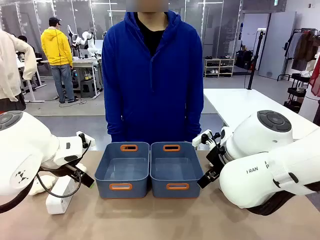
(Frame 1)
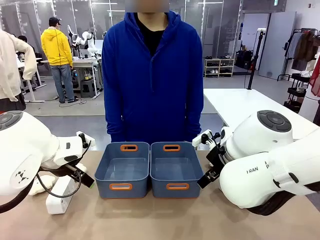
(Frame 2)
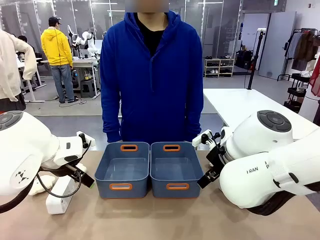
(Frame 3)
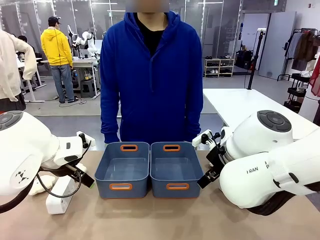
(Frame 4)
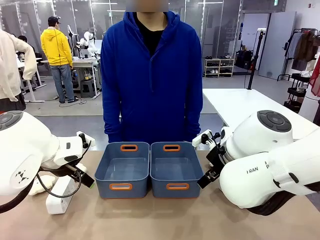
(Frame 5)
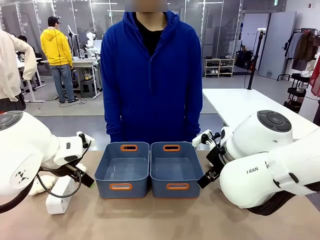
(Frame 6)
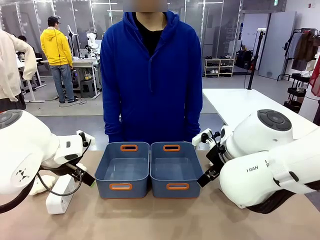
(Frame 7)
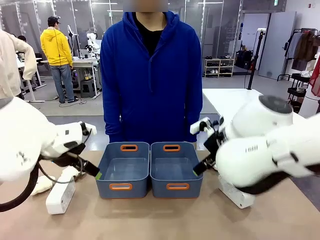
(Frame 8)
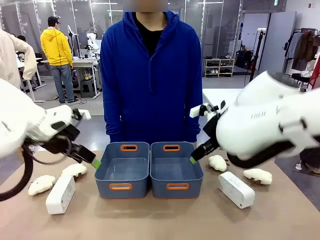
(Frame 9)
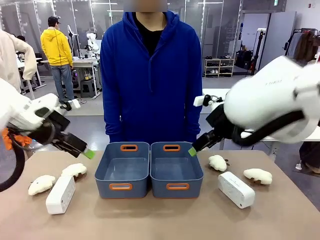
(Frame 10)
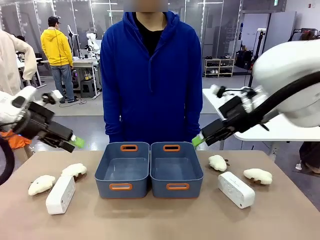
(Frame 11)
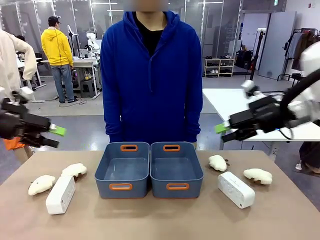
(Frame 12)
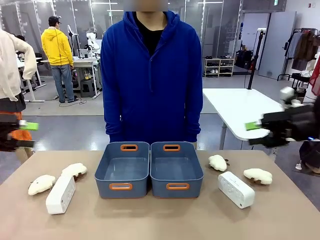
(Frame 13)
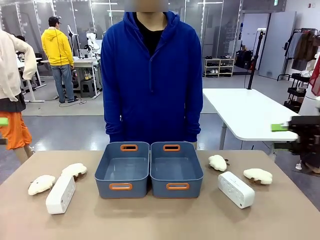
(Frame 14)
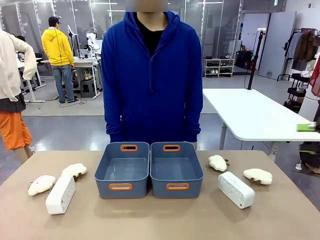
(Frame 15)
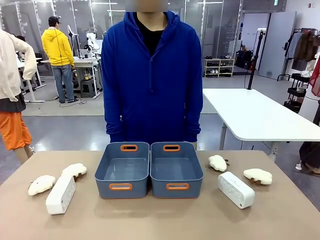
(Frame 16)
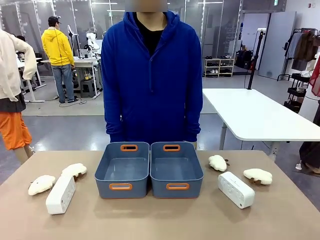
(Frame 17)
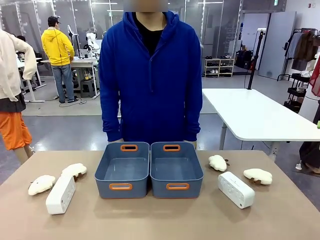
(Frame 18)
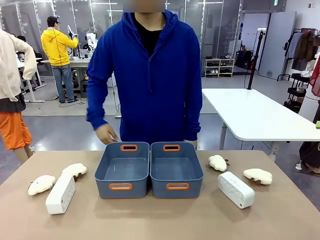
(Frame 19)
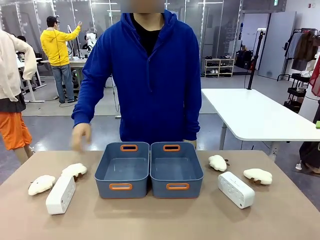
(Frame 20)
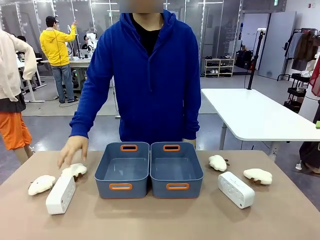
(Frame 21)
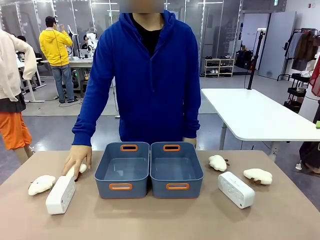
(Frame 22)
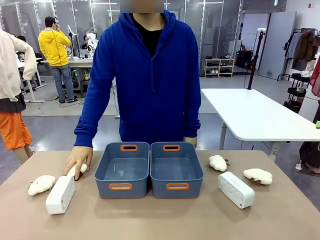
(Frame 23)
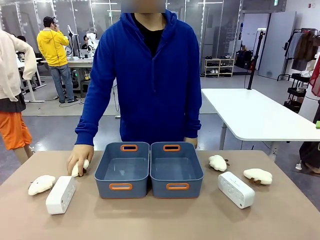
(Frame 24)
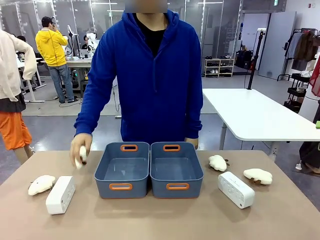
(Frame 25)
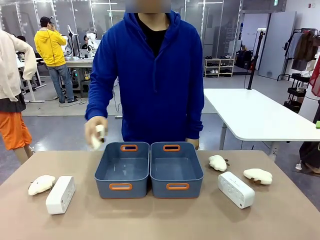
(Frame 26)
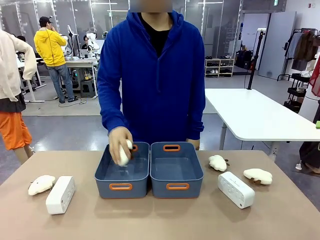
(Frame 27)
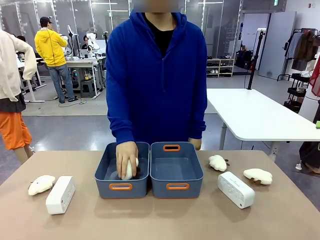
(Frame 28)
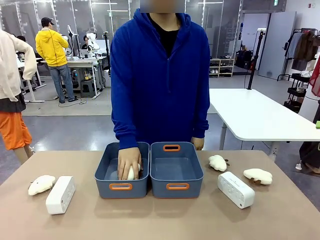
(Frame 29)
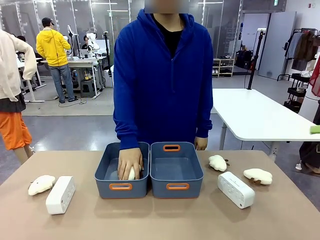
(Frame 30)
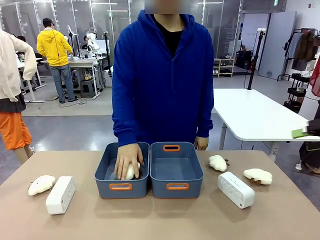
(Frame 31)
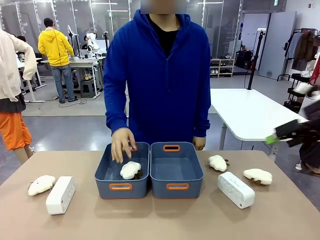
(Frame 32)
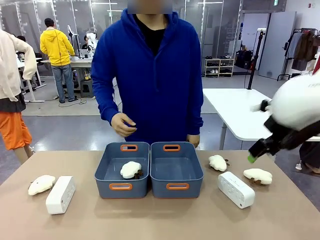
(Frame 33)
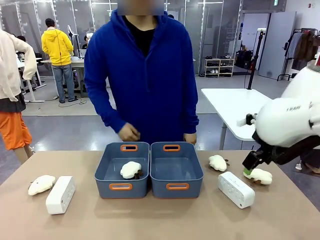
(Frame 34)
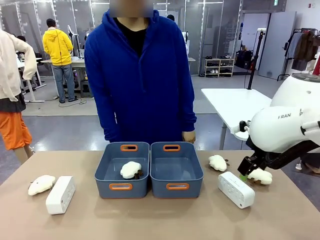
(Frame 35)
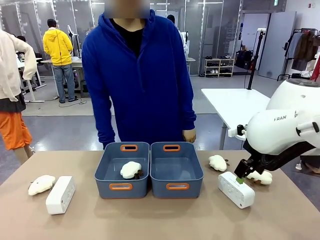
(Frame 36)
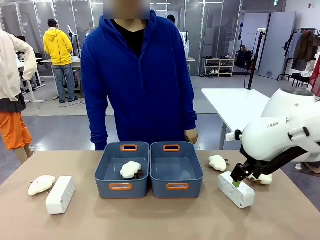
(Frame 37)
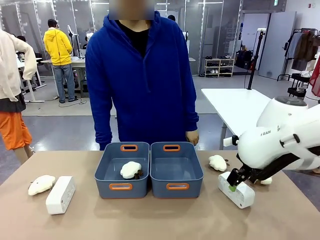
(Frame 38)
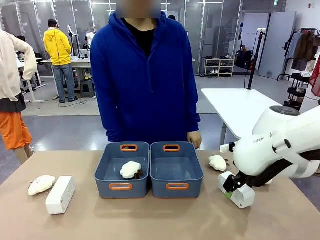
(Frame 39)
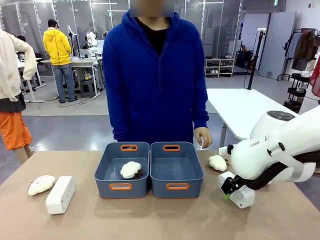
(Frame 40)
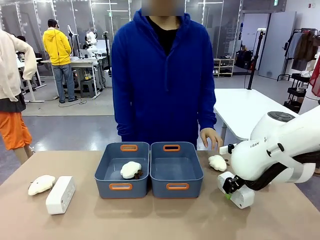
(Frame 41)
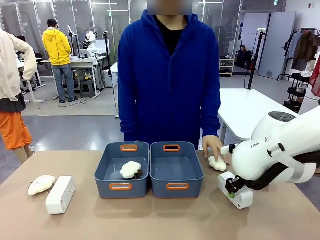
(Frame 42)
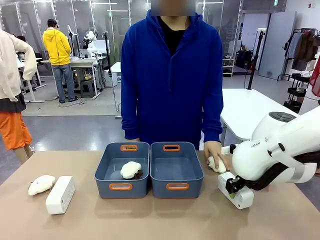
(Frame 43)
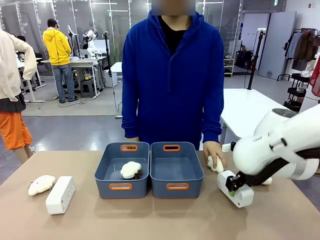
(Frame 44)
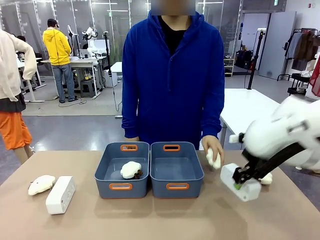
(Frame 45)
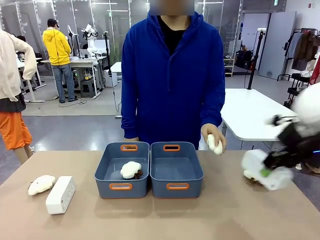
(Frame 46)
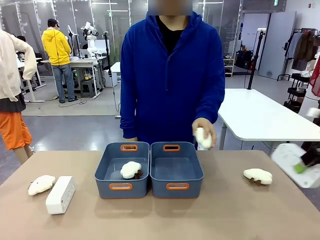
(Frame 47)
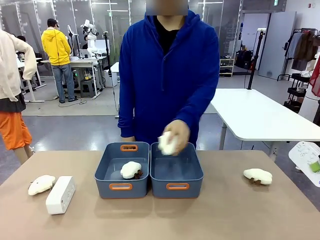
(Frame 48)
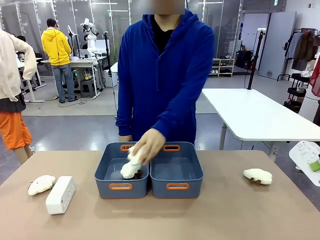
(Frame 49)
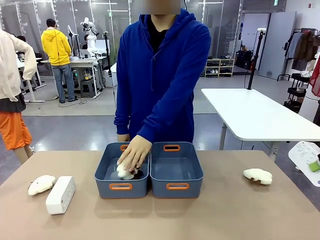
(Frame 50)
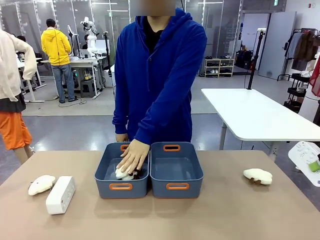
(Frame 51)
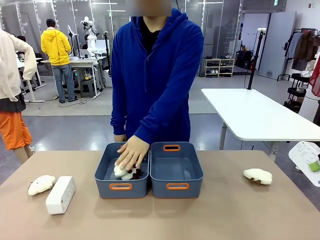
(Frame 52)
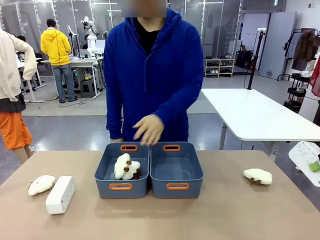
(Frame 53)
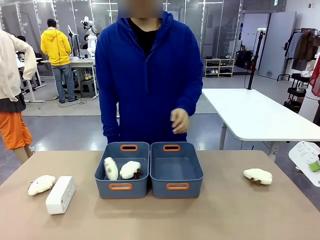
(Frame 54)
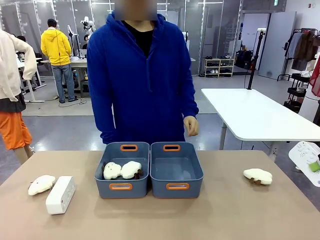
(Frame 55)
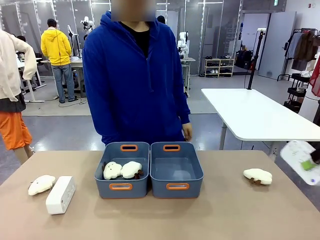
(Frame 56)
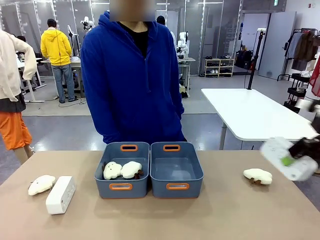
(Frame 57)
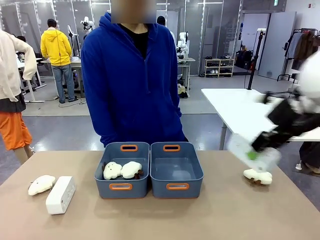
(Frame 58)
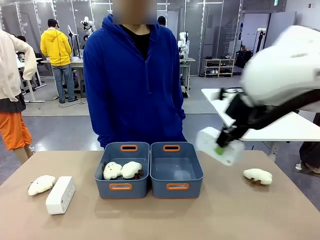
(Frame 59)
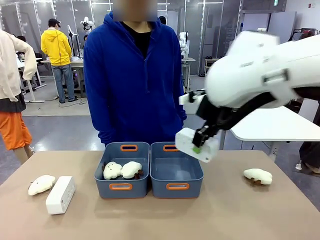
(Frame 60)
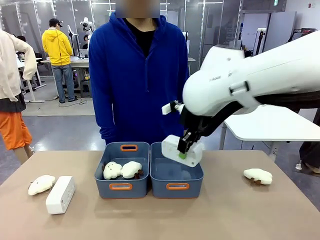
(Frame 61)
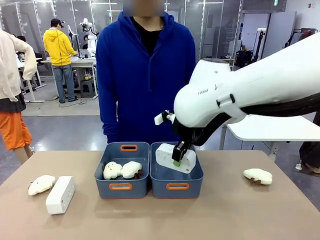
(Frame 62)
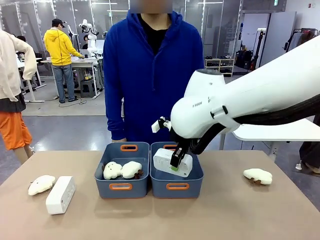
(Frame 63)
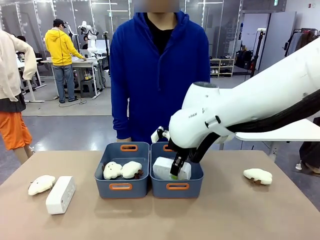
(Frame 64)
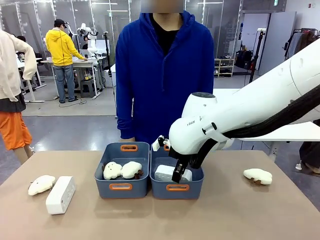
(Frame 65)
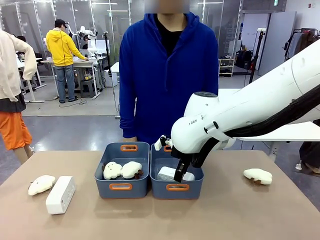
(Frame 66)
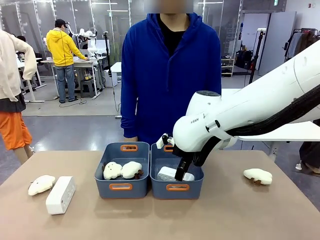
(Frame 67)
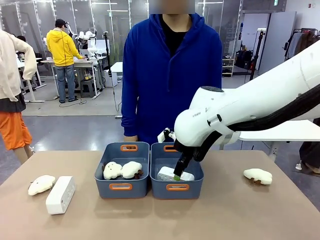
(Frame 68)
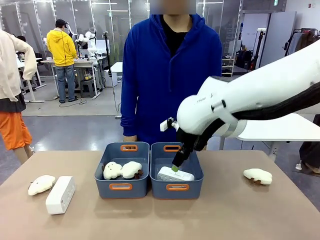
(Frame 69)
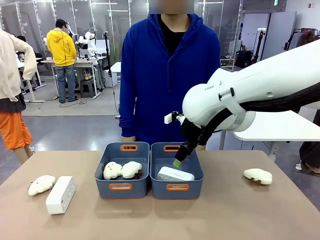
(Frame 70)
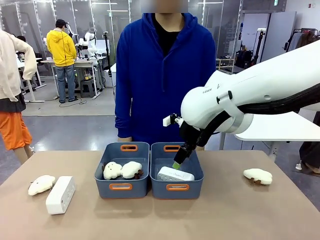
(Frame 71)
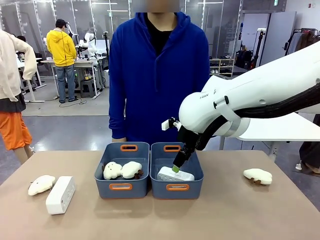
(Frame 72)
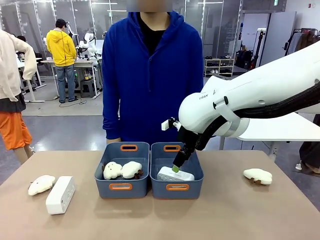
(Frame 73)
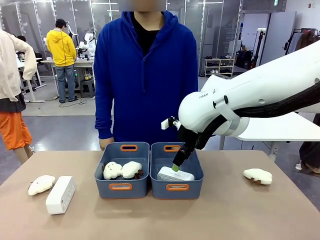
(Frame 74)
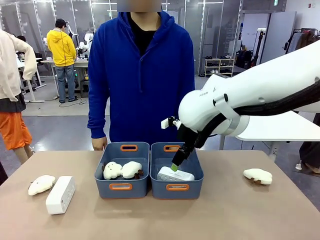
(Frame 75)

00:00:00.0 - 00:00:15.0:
Task: Sort the digital clocks into the basket.
Robot: Pick up the Digital clock from the table and place it into the empty Plastic storage basket.
Person: Pick up a plush toy from the table and place it in a plastic storage basket.
